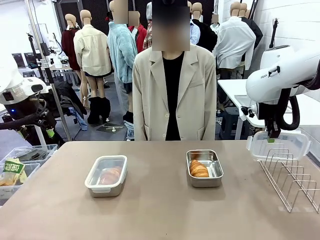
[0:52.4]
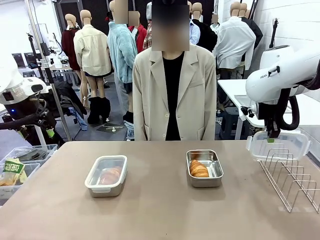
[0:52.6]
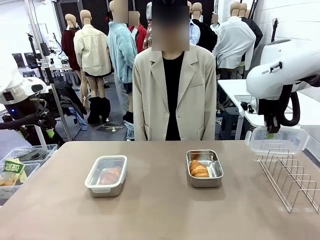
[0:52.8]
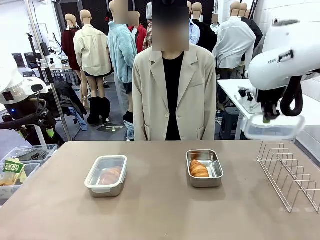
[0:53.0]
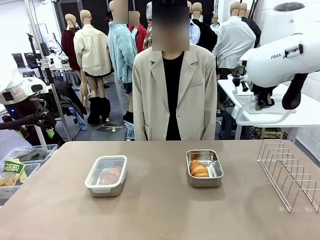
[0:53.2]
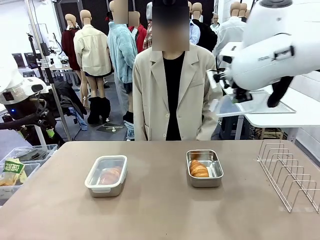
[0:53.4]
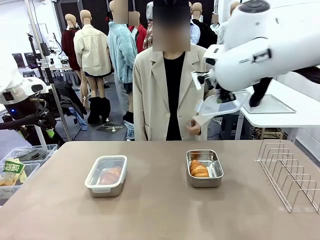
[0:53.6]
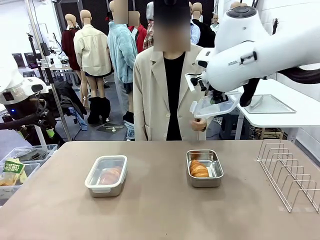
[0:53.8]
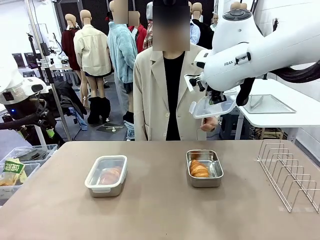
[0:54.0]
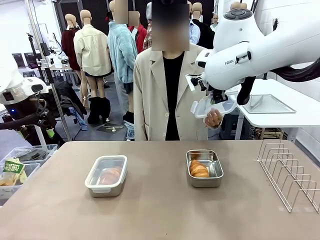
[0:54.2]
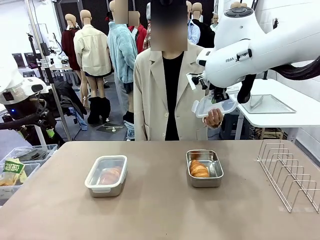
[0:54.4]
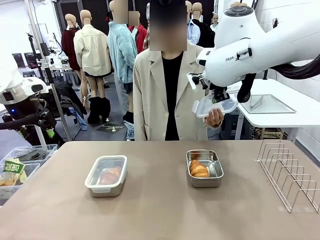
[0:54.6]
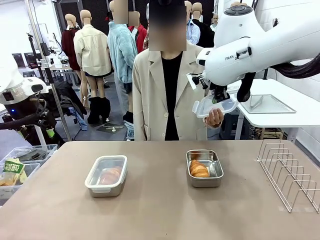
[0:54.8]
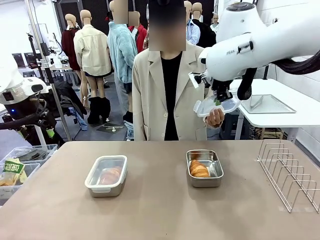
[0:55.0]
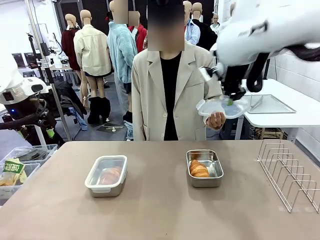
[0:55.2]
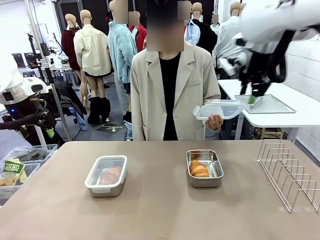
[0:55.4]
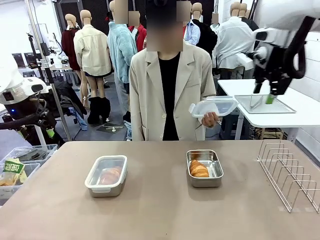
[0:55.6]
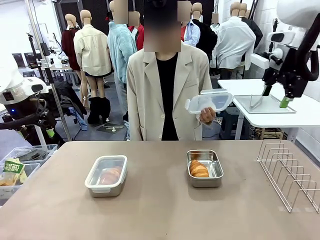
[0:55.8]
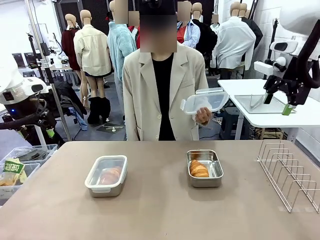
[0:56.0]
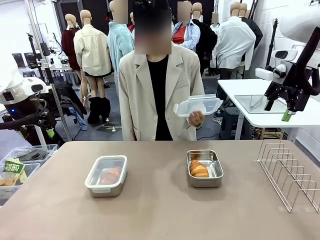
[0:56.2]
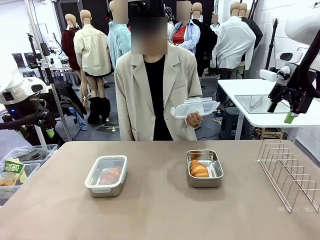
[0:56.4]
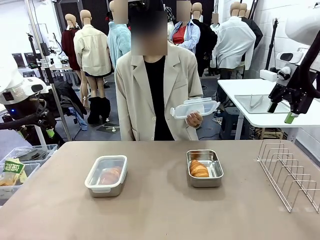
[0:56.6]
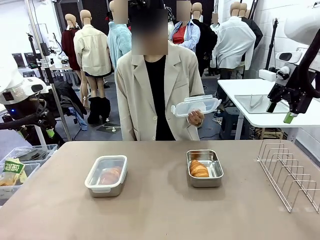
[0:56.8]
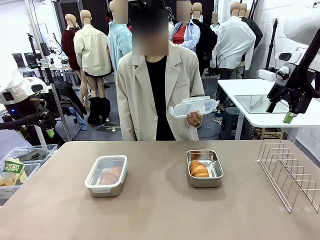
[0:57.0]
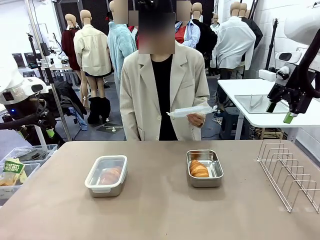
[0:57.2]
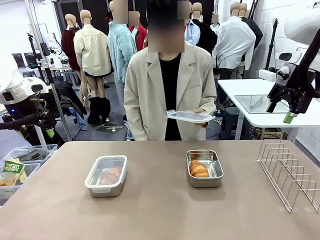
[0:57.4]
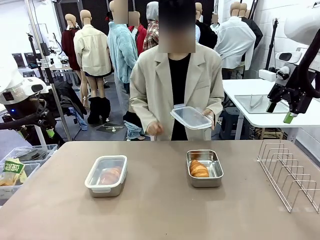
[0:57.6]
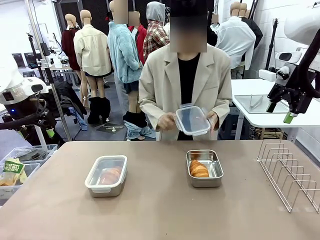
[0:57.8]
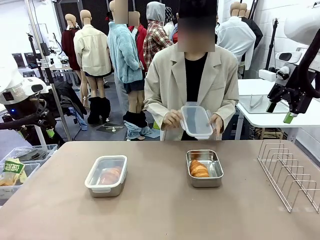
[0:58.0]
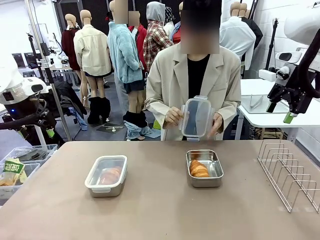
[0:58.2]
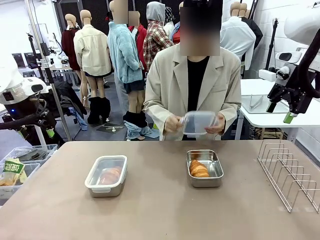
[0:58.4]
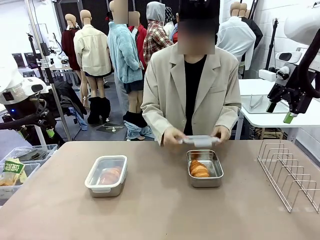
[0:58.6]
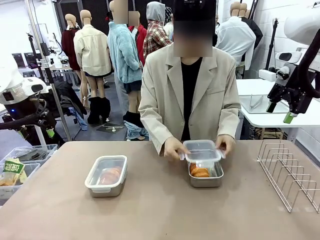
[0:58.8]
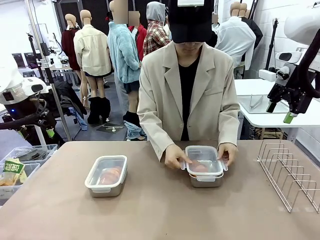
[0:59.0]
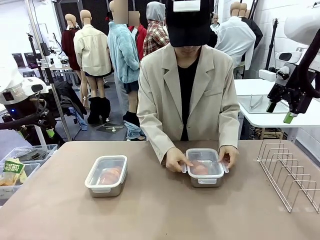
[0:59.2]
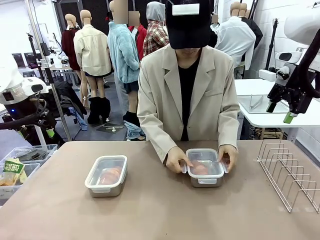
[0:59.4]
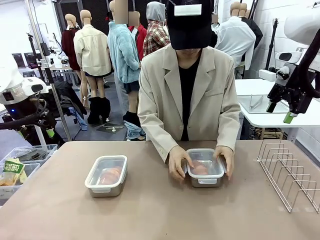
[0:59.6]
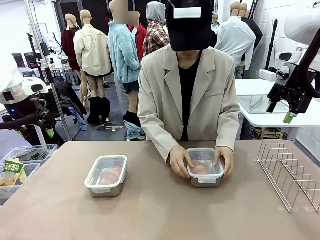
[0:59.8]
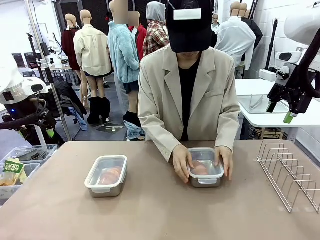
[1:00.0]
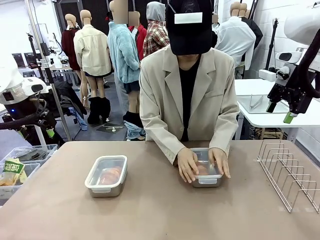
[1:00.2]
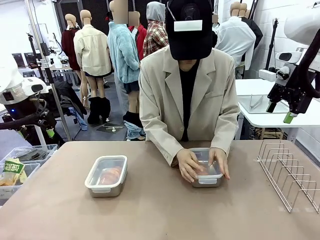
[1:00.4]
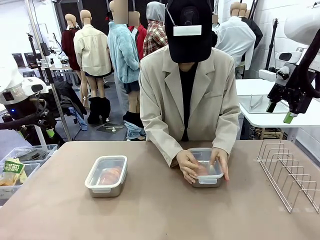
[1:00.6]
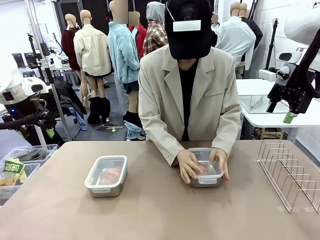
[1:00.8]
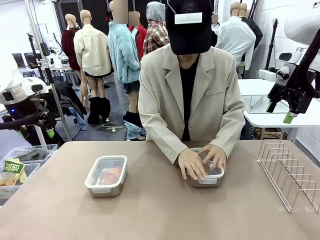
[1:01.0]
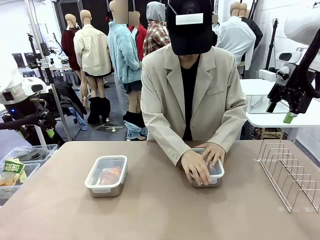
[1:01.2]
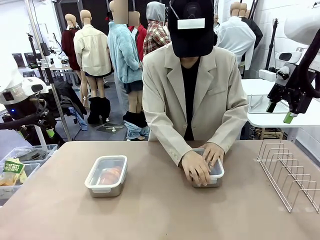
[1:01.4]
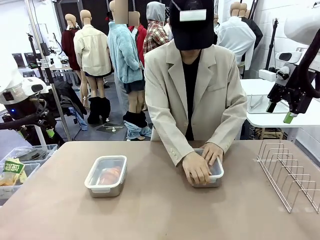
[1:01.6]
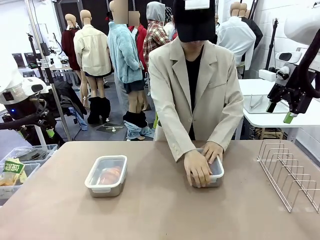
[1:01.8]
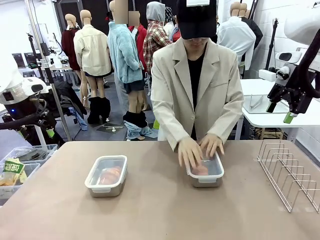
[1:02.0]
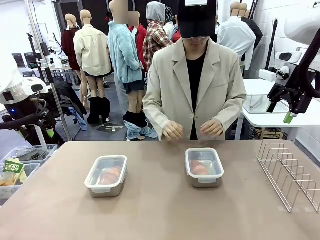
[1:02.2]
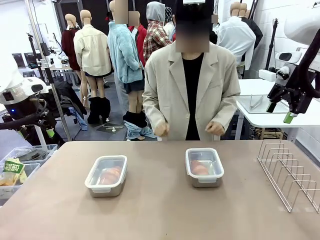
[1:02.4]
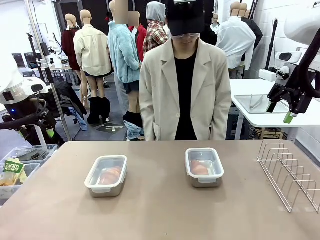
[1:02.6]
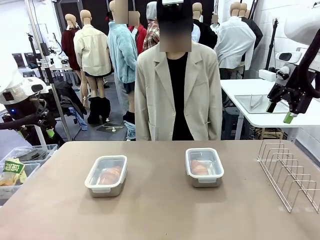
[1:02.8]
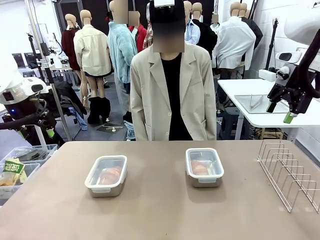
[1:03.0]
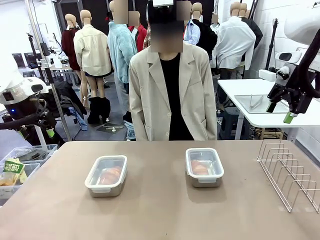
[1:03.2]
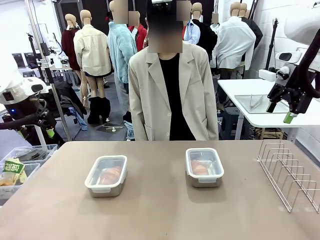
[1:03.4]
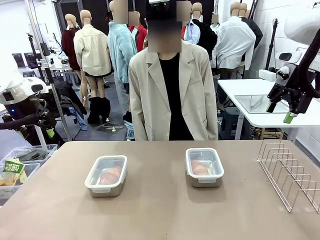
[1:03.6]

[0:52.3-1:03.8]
Task: Place the bread in airtight containers.
Robot: Release when the human grabs the Airtight Container lid.
Person: Grip Airtight Container lid that robot is handing. Close Airtight Container with a handed Airtight Container lid.

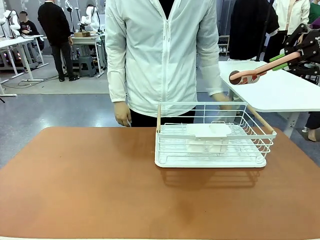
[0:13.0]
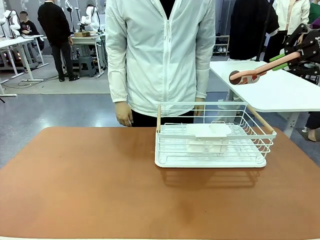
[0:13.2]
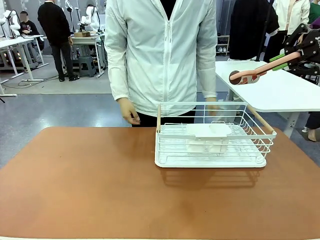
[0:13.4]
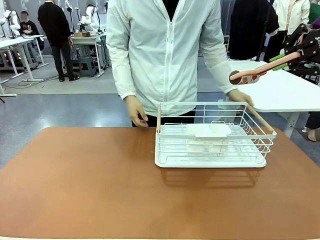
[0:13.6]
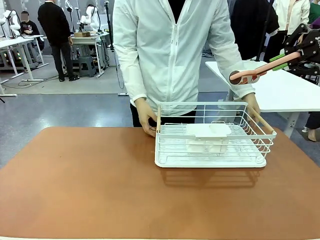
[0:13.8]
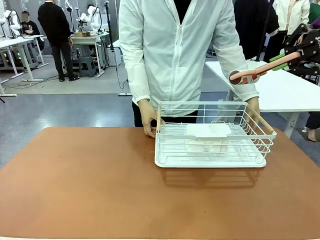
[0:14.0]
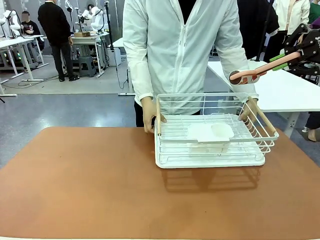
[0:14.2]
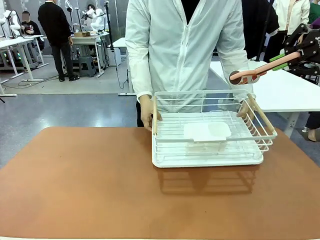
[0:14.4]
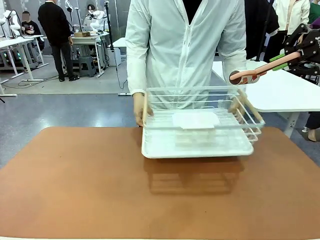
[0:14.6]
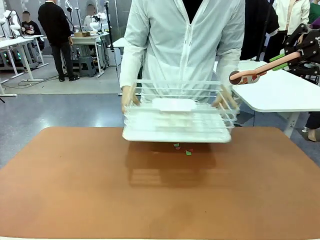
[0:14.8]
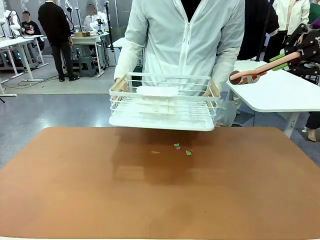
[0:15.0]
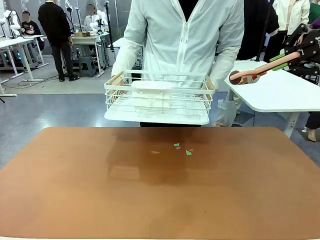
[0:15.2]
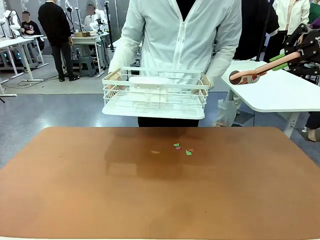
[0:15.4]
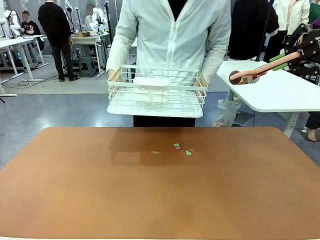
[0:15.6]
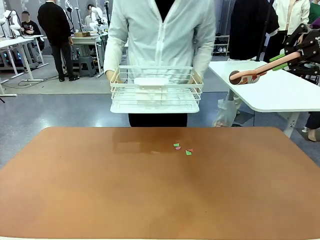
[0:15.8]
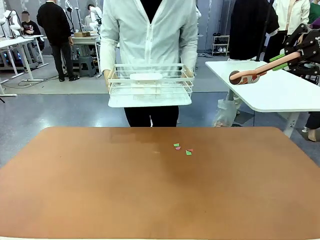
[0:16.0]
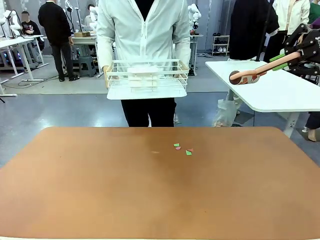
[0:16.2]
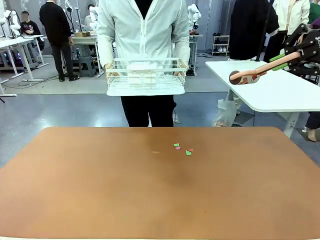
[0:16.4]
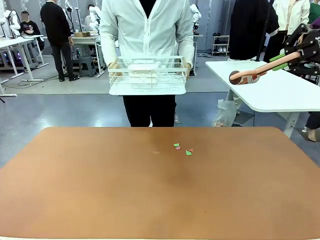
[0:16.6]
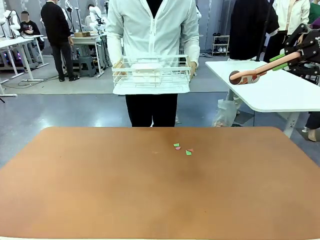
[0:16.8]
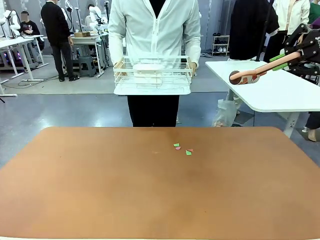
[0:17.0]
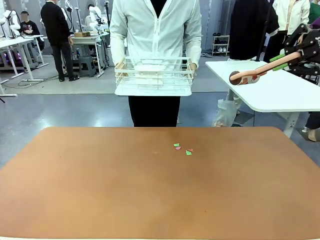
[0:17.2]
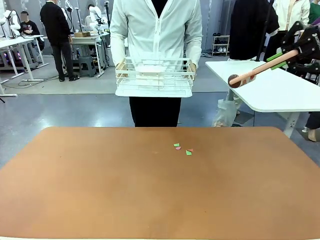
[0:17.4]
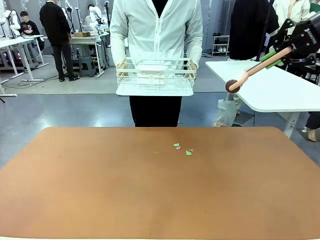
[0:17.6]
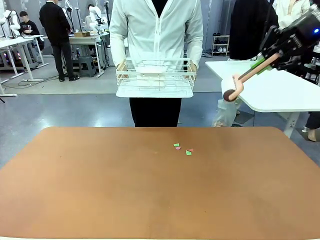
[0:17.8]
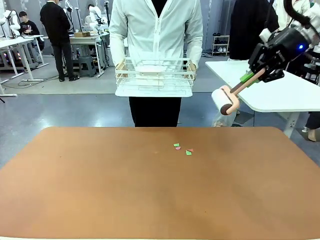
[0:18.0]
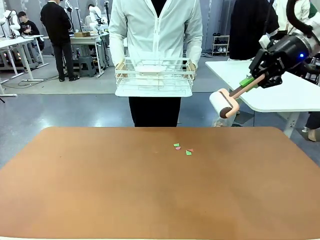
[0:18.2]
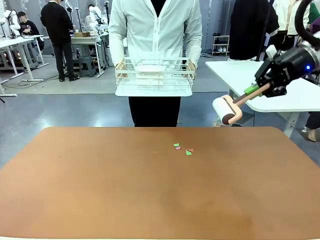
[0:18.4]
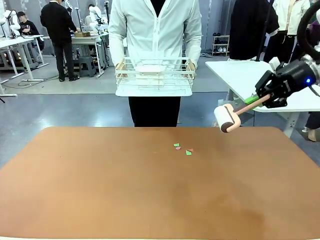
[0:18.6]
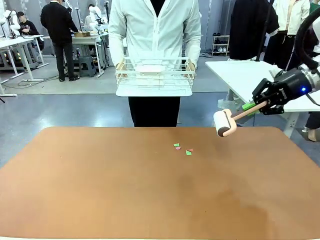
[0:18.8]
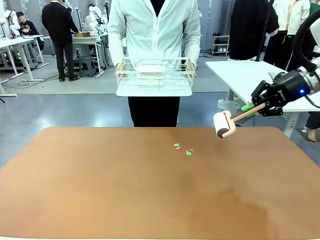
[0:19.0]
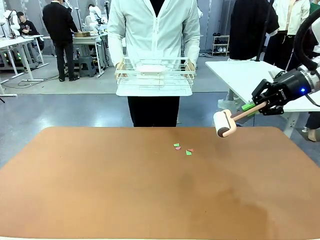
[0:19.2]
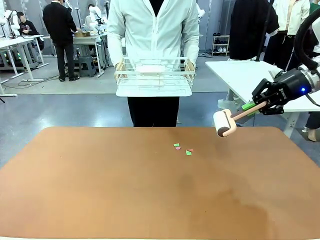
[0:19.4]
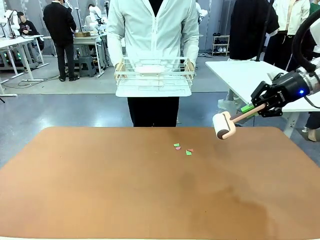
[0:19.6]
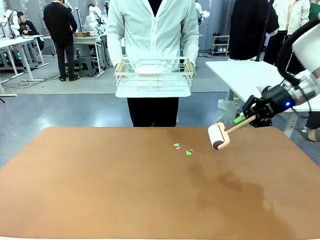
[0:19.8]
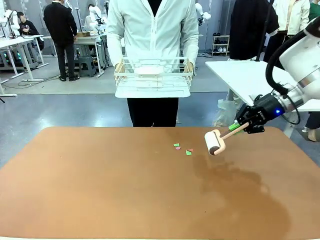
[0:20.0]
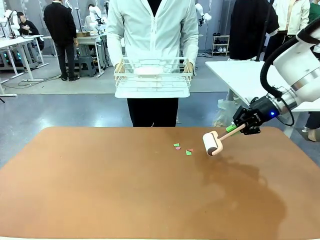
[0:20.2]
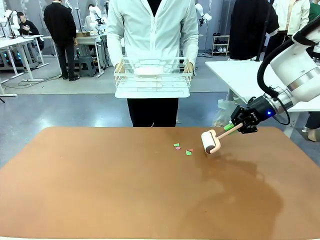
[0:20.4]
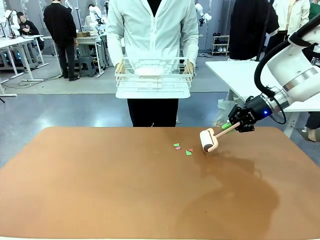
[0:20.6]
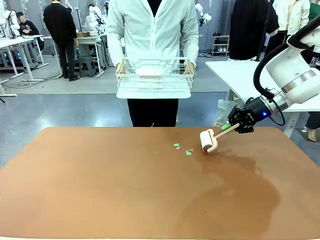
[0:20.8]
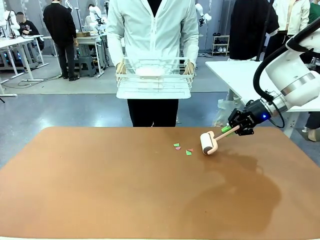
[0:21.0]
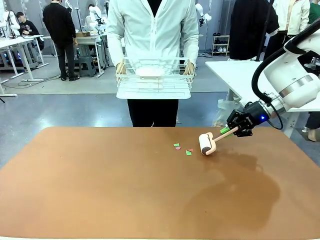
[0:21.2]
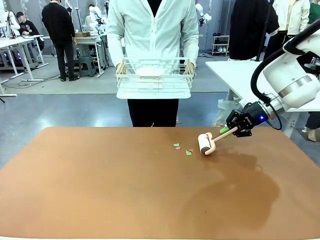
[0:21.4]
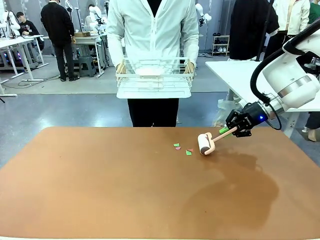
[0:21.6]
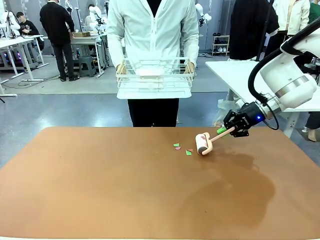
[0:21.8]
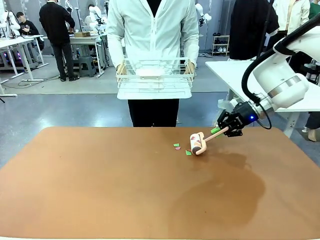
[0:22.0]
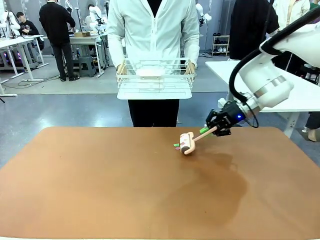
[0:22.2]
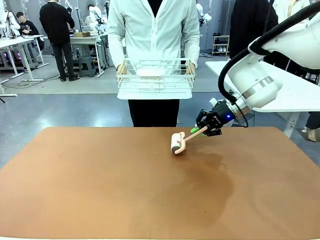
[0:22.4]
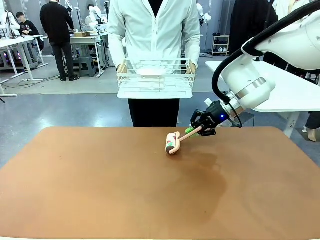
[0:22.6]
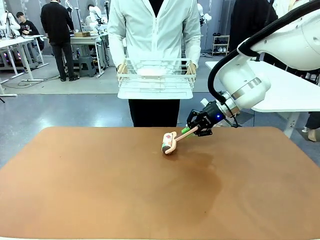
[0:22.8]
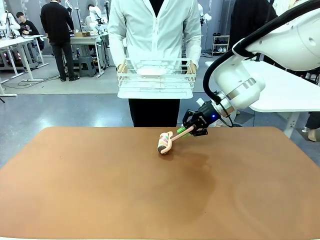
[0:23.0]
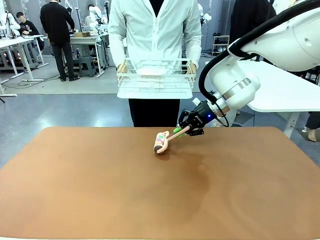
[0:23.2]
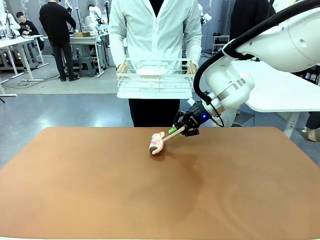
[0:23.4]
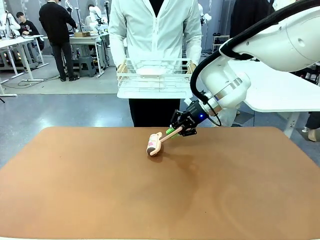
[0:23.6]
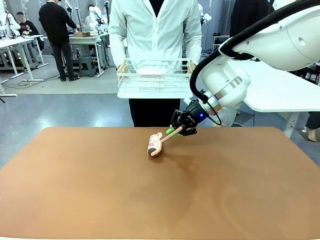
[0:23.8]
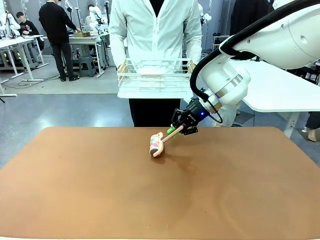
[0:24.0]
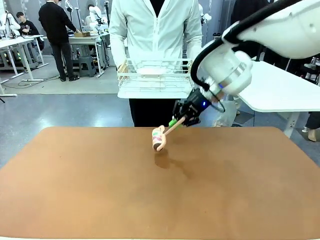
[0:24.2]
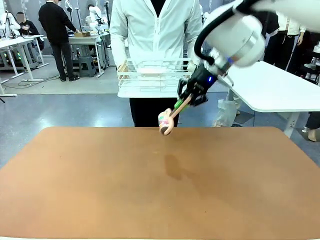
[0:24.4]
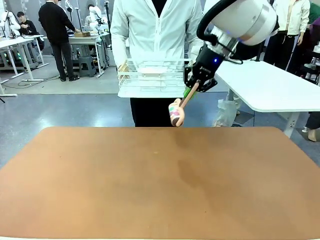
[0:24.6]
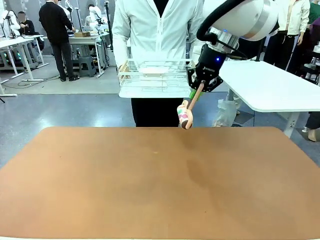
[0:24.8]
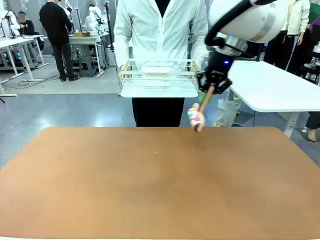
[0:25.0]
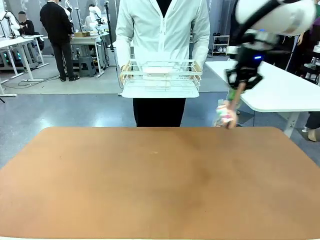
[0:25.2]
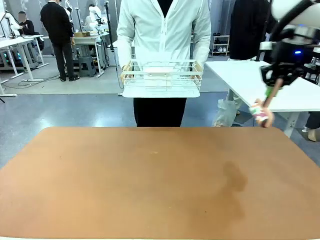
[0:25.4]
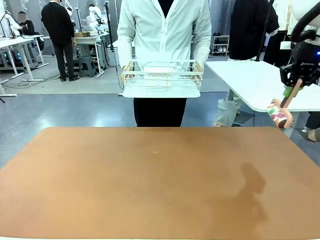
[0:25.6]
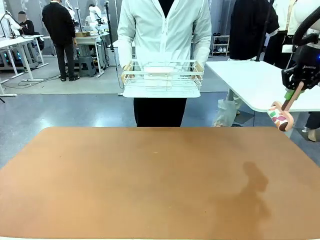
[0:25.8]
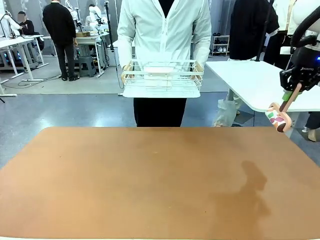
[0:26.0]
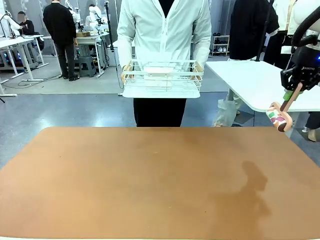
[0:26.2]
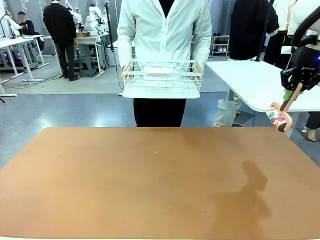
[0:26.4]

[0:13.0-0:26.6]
Task: Clean the table.
Robot: Clean the table with the Lint Roller when the human lifts the Dish drying rack.
Person: Place the Dish drying rack down when the robot finishes cleaning.
